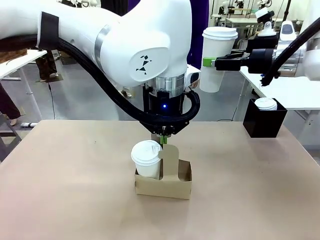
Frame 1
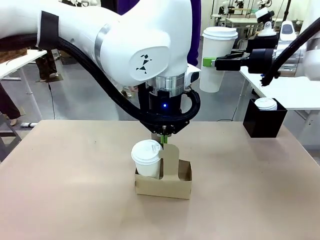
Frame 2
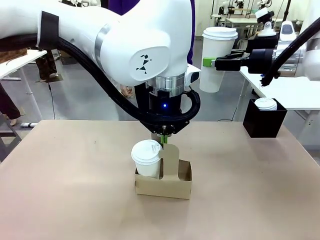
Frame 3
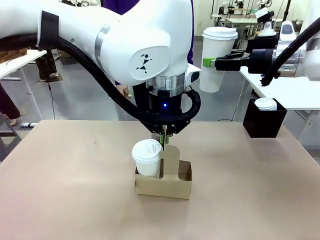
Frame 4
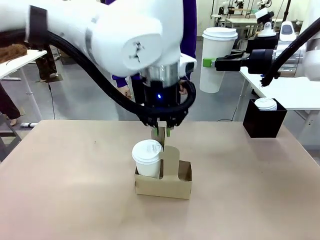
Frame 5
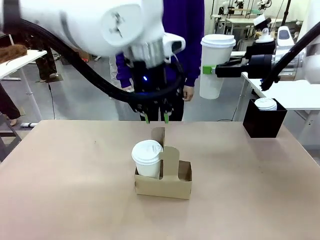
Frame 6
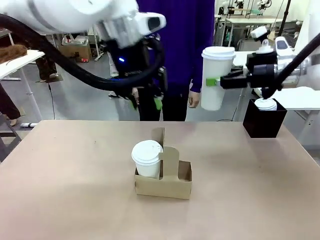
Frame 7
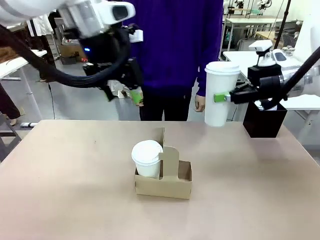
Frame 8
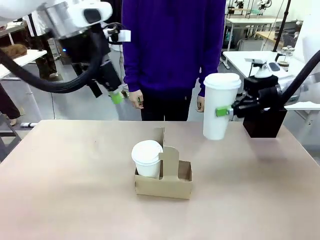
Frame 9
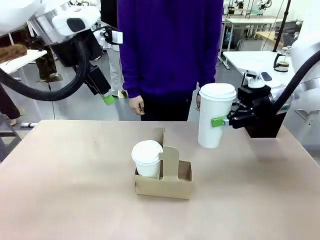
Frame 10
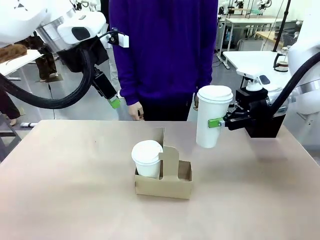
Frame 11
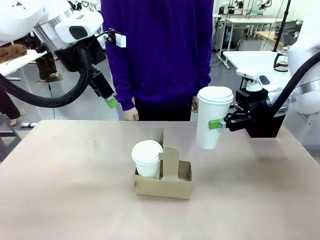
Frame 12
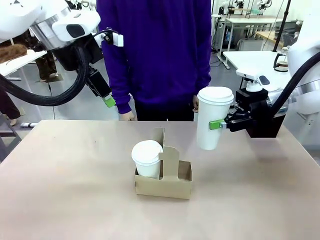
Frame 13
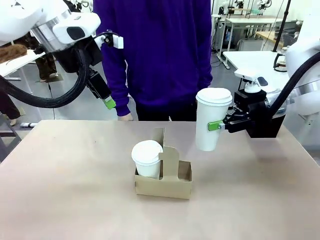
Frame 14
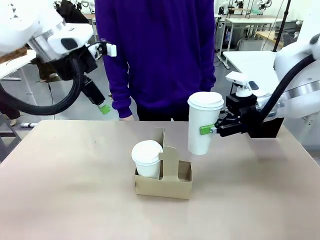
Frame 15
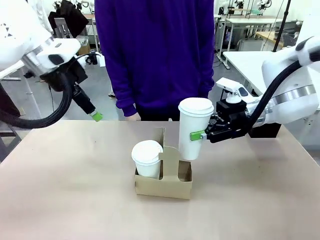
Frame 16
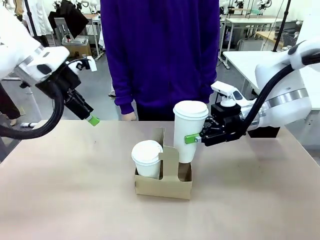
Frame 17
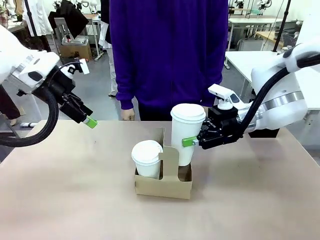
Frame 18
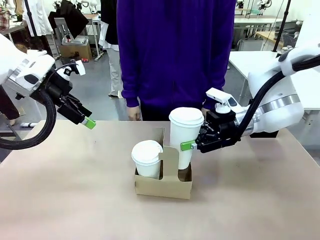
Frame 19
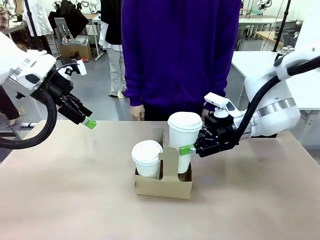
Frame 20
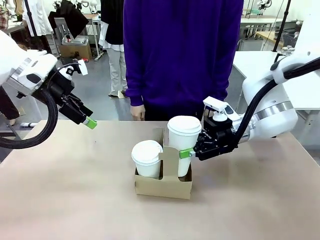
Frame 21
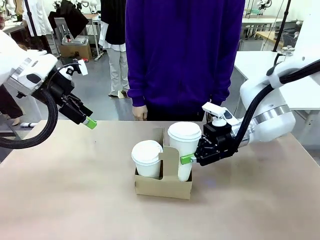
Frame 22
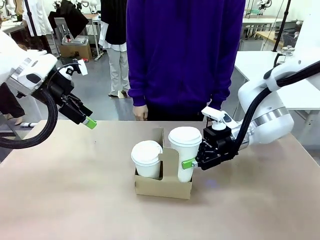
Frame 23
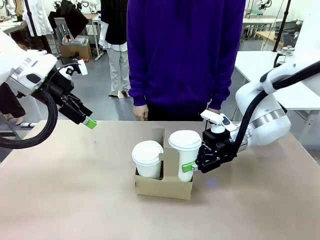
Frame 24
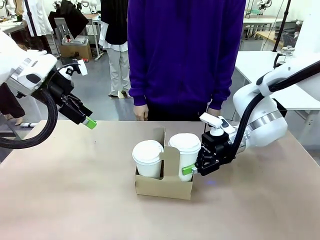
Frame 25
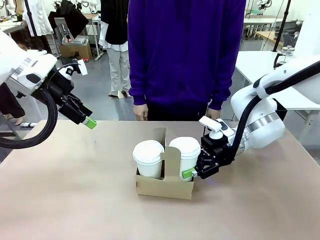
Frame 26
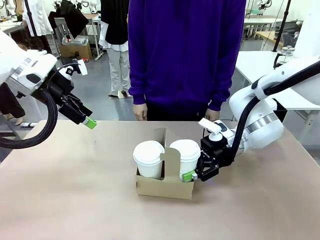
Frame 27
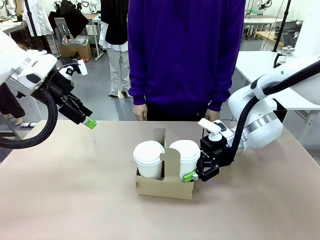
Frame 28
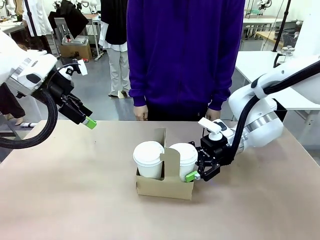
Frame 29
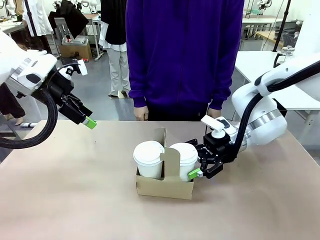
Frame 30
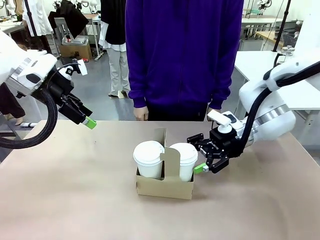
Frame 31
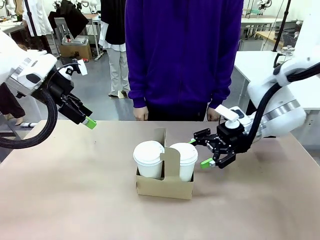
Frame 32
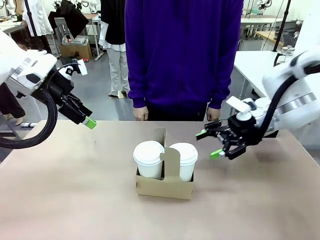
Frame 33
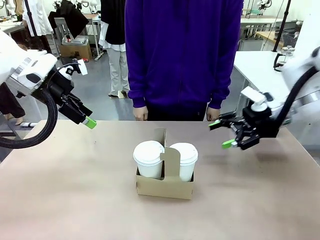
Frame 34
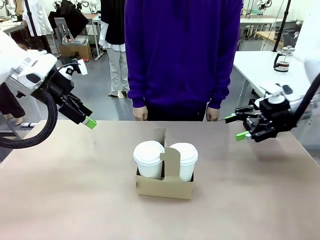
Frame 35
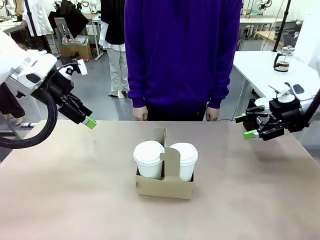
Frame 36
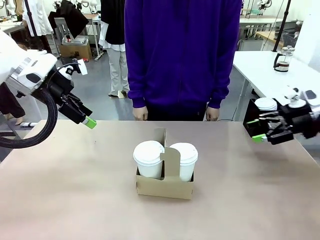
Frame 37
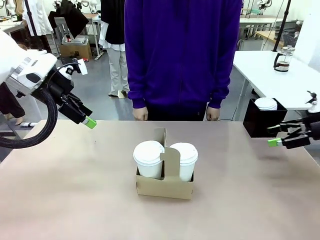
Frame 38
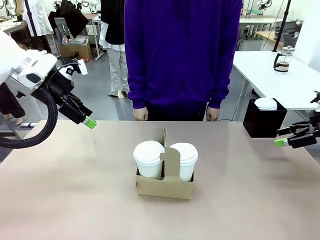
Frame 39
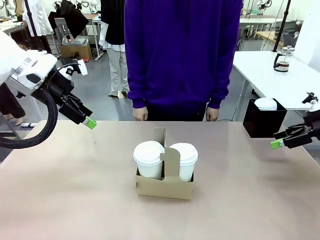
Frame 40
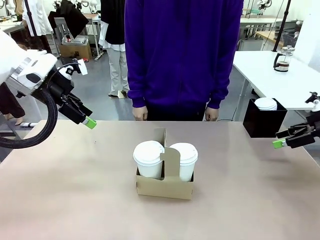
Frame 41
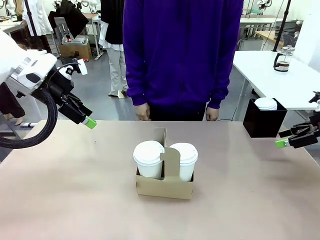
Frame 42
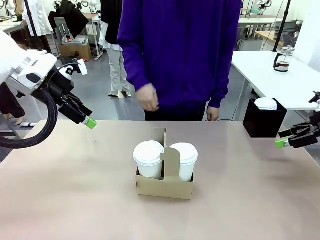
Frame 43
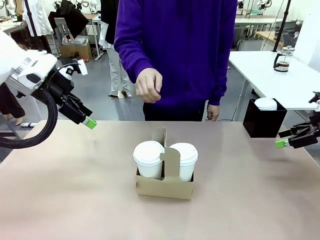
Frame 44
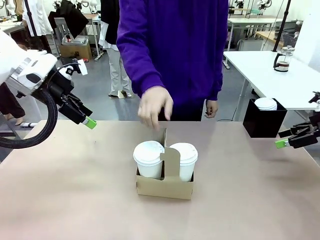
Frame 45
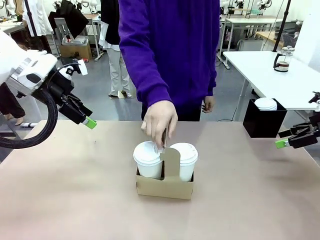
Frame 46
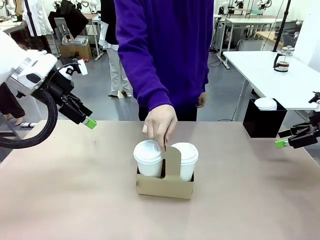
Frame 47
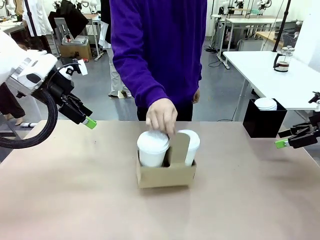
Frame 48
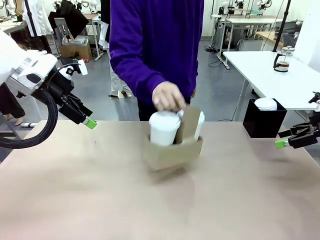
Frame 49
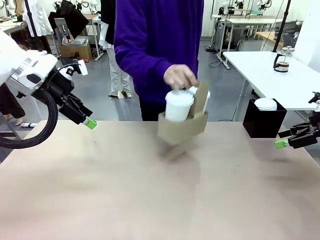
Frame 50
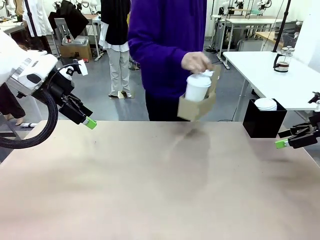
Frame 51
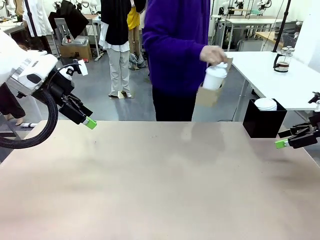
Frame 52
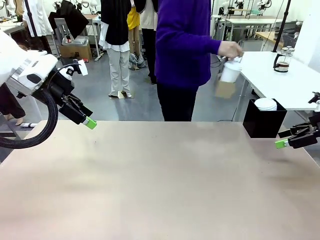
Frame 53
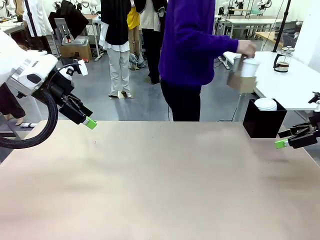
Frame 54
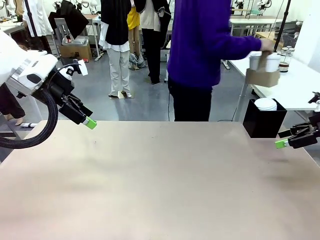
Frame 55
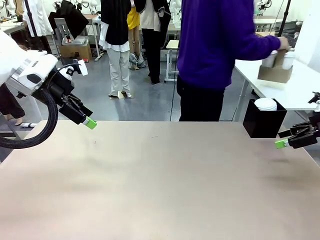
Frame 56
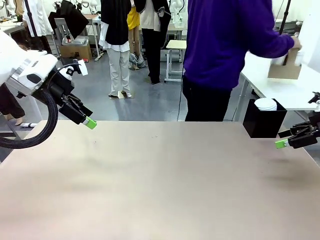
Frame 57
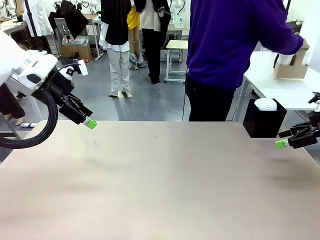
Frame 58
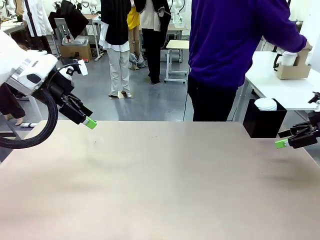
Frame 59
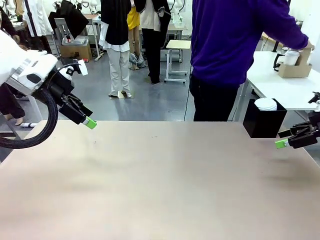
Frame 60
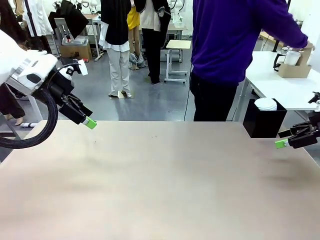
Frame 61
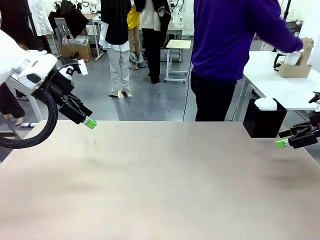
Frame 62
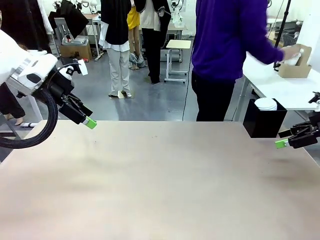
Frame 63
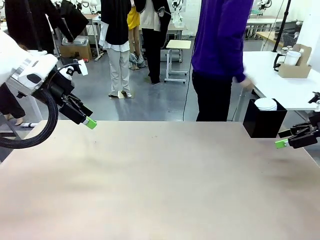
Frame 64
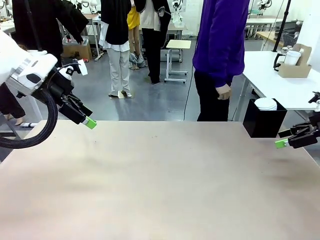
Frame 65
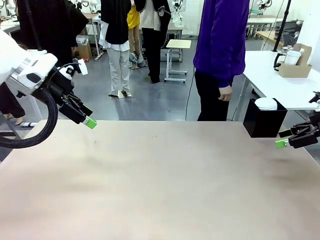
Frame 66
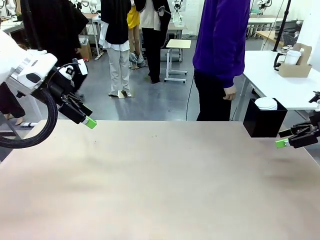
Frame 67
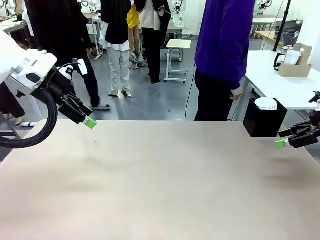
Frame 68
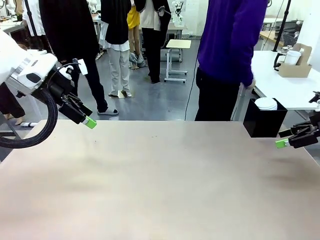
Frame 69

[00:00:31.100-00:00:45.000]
Task: Pour a drink into a cup and package it in a carrier.
Robot: Insert the held 600 ml Paper Cup into the Cup Carrier.
Person: Place the Cup Carrier to the middle of Human table.

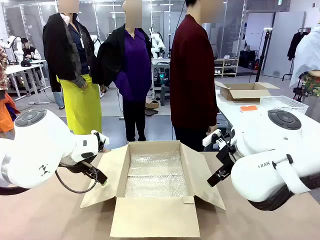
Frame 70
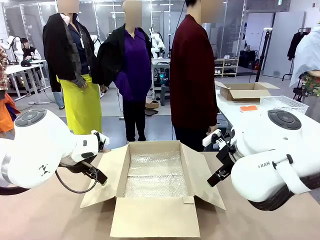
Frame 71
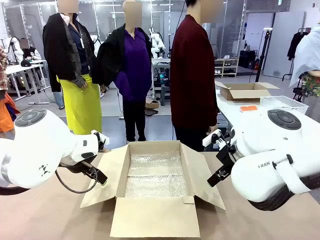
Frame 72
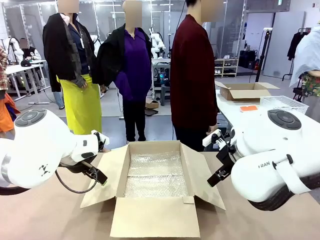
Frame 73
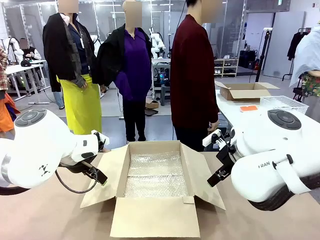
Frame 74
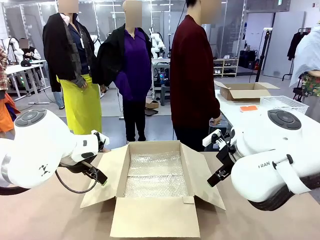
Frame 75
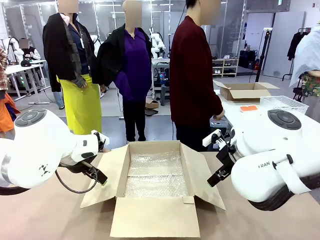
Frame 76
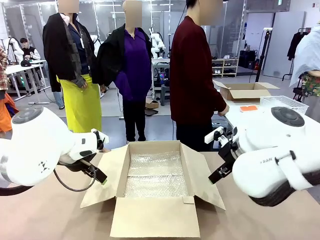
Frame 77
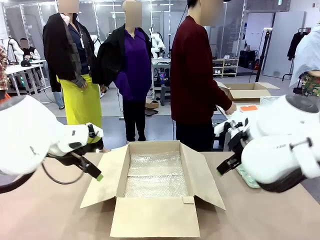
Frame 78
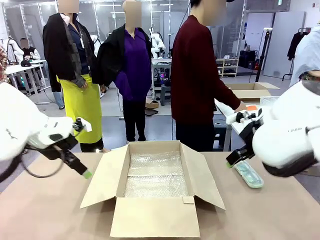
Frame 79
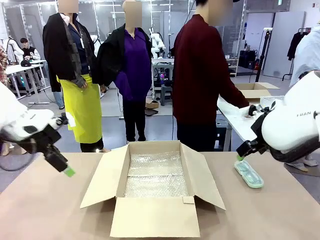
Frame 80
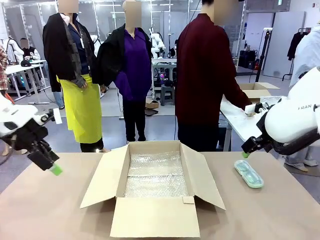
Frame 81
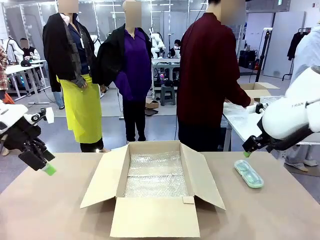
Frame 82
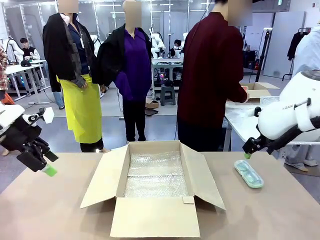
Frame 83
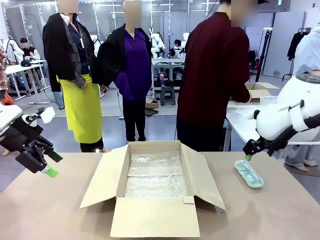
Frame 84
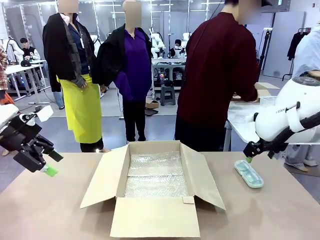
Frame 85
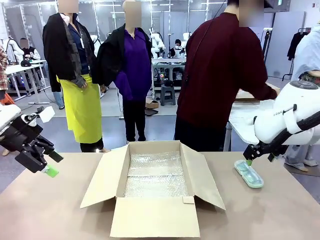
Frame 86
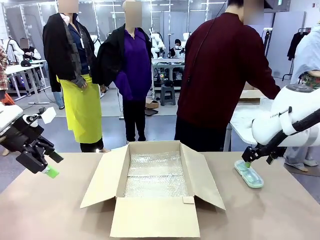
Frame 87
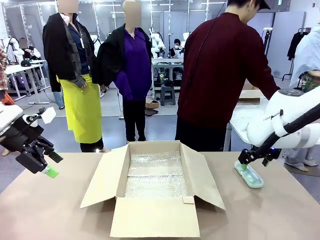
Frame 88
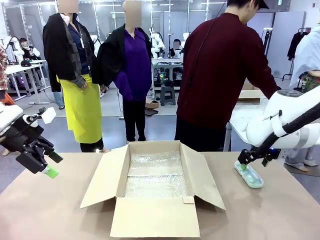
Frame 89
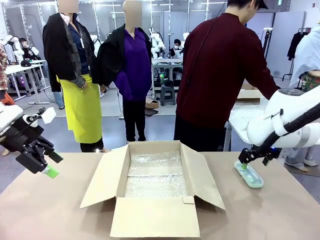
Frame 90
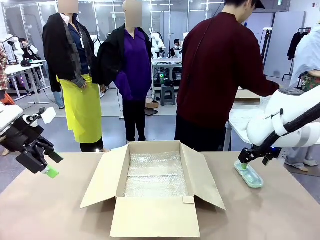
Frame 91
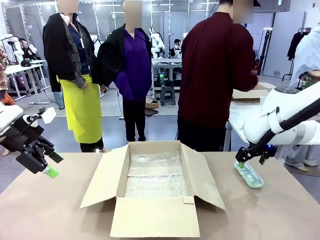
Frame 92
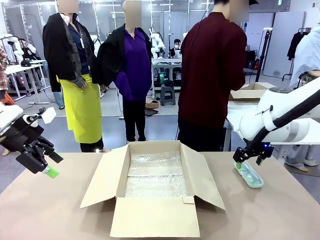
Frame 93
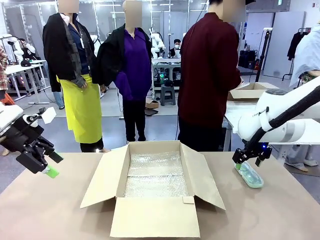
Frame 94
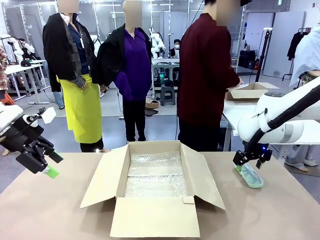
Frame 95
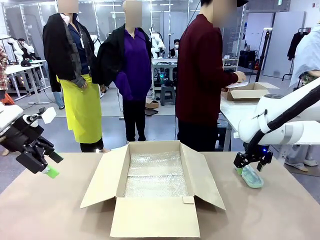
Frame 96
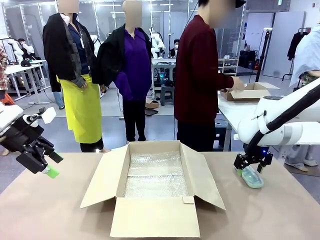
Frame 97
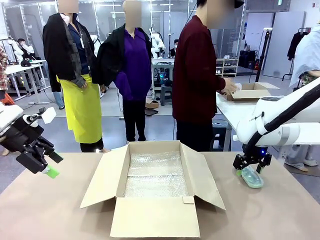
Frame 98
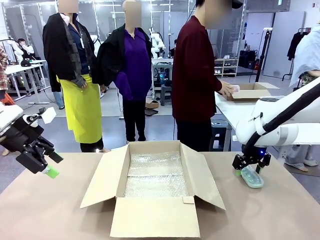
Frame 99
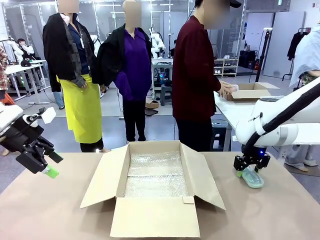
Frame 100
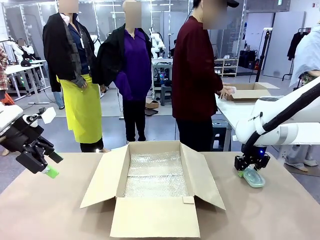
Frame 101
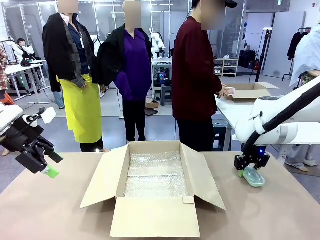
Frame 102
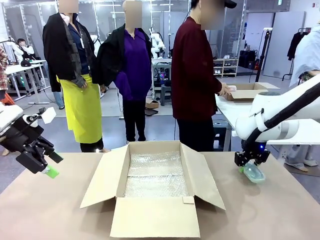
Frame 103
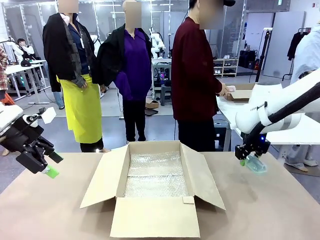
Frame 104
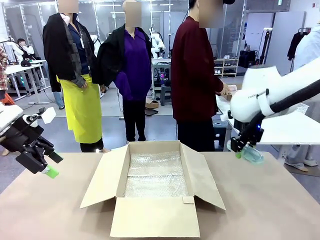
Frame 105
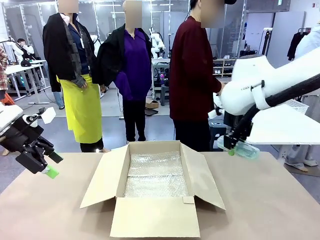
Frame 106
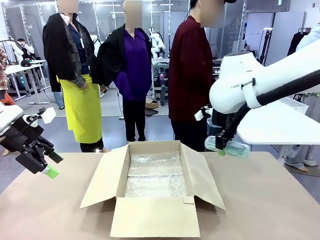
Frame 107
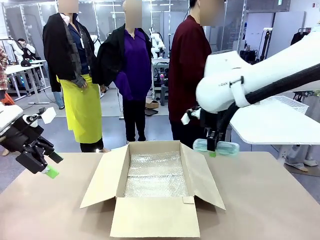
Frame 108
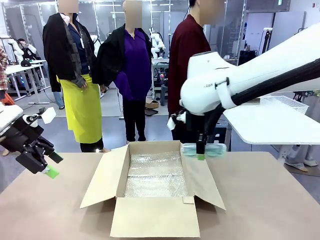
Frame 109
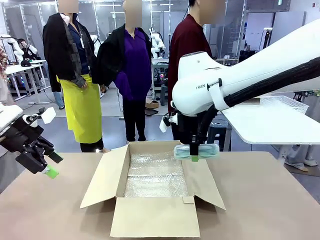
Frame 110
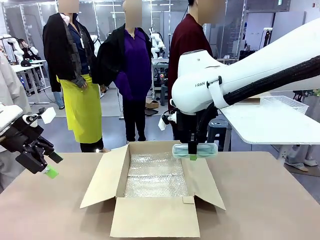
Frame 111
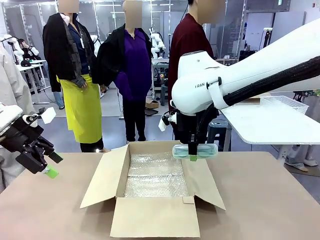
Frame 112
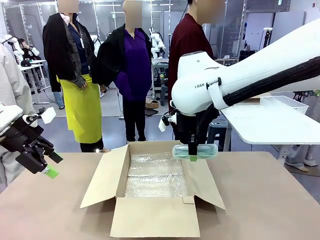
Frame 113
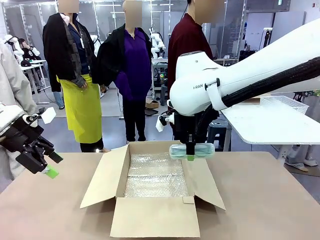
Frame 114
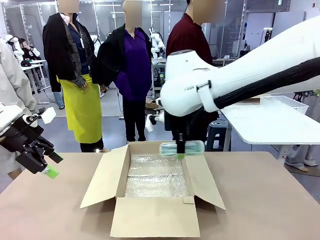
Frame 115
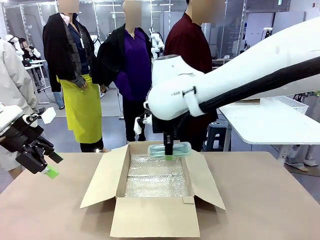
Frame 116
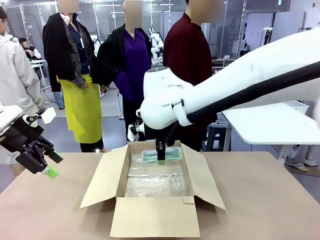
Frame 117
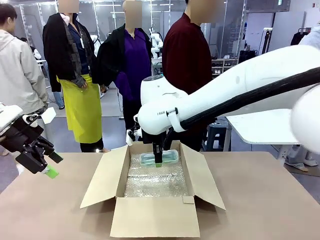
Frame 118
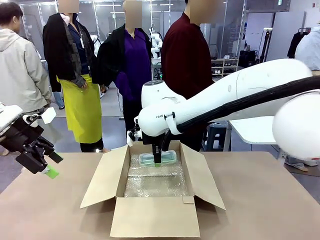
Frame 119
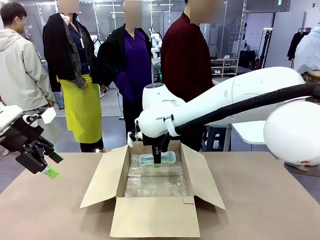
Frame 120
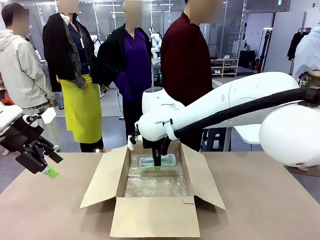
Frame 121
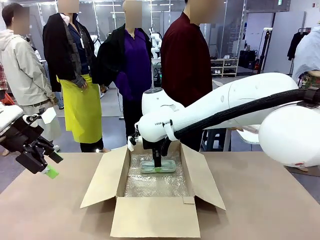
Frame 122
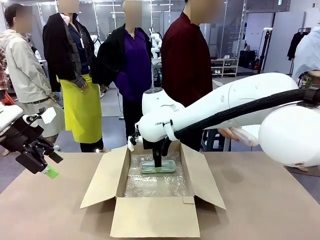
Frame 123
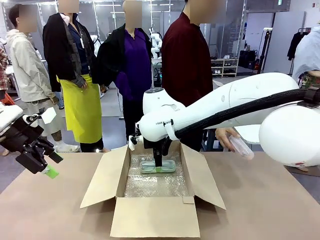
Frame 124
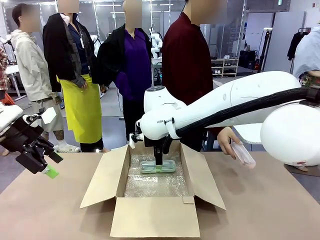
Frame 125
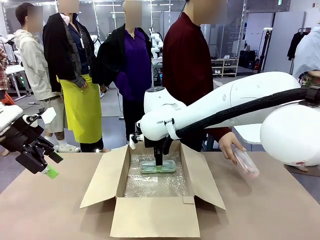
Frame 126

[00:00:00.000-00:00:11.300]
Task: Pack the glasses set securely to prepare it for shipping.
Robot: Place the Glasses case inside the Package Box.
Person: Place the Glasses inside the Glasses case. Position the Glasses case on the left side of the robot's table.
